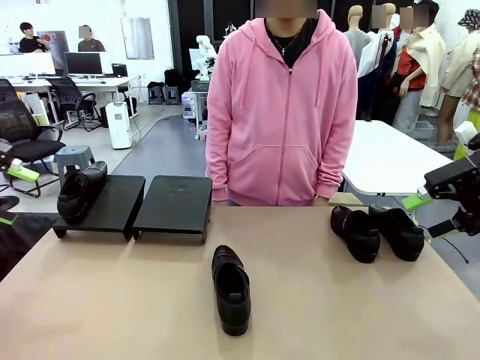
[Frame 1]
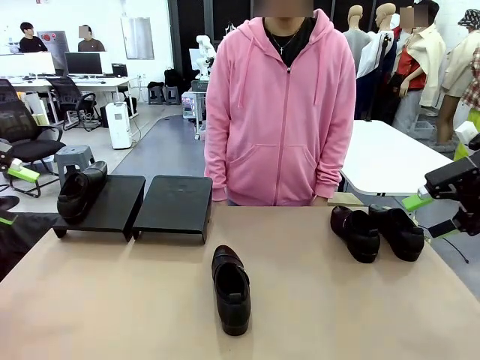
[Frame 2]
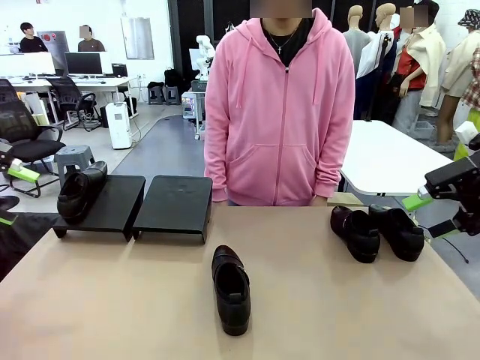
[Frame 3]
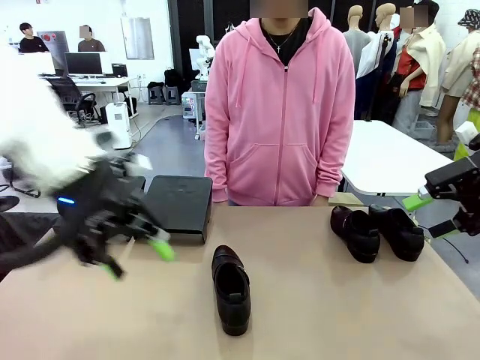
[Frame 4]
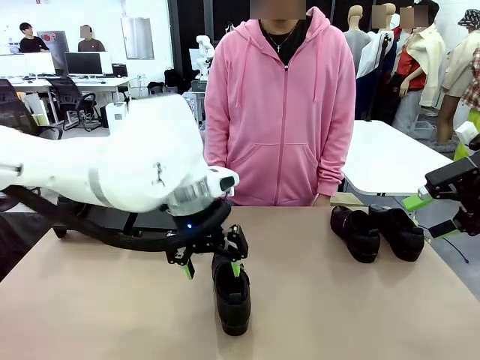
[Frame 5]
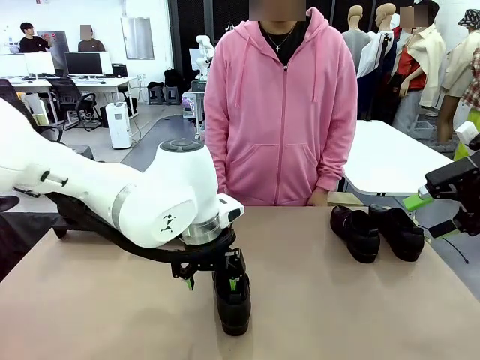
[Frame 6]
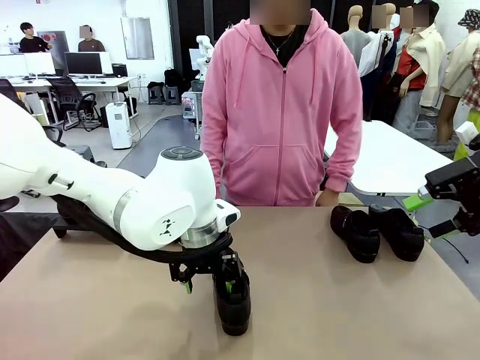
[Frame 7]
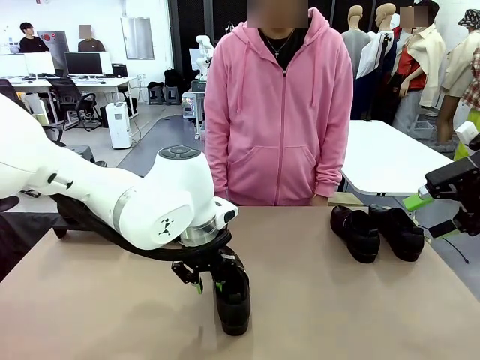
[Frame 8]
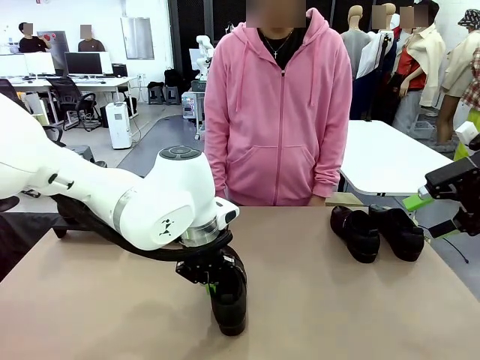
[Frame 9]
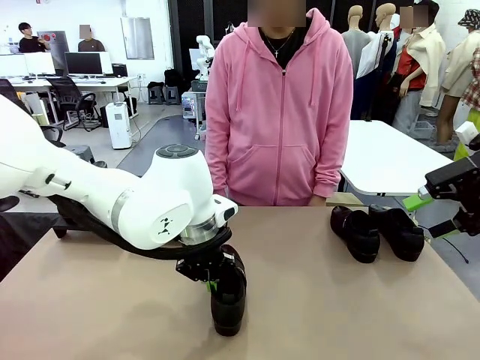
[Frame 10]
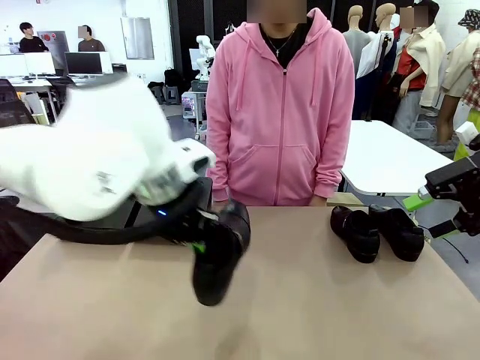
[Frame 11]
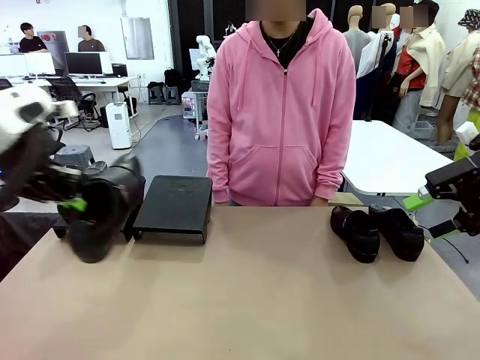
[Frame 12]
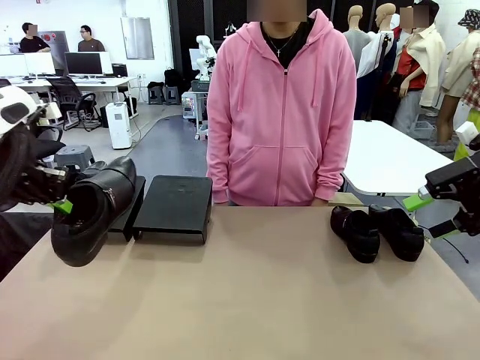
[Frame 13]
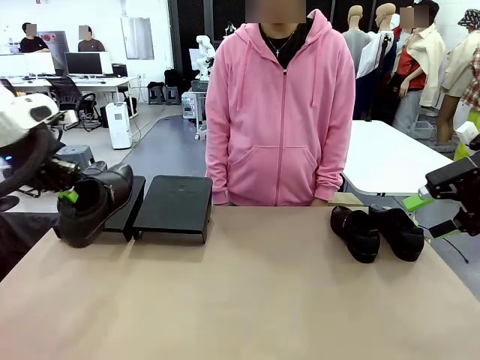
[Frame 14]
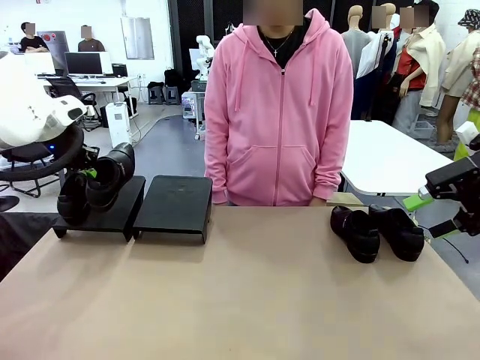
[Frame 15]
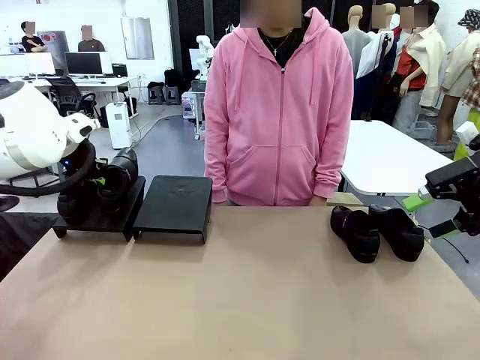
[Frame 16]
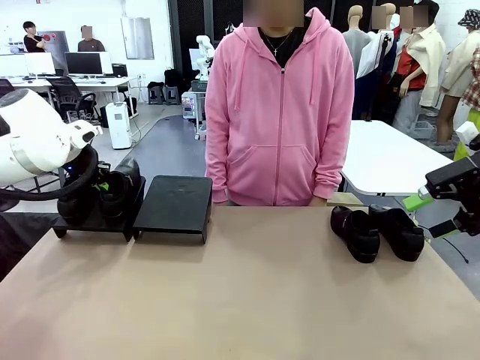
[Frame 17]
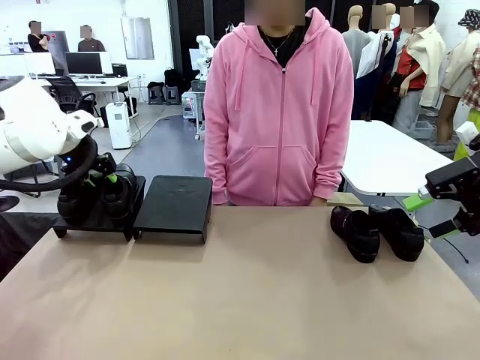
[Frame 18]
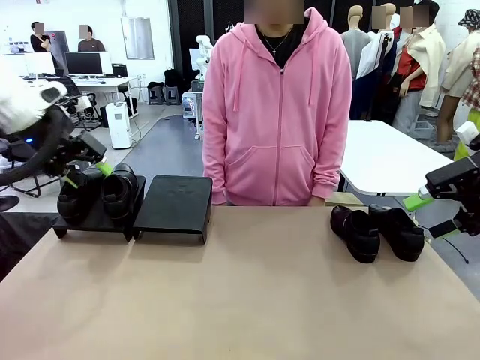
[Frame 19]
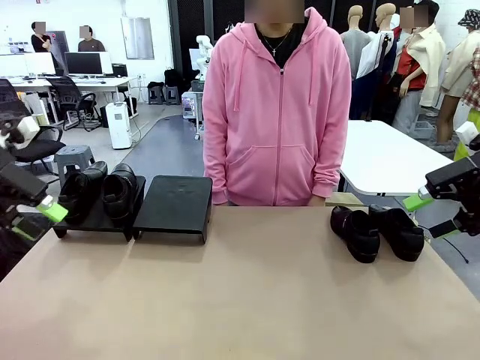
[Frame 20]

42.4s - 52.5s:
Task: Organize the shoes by placing them on the stand.
Robot: Place the Shoe from the middle of the table onto the Shoes Stand.

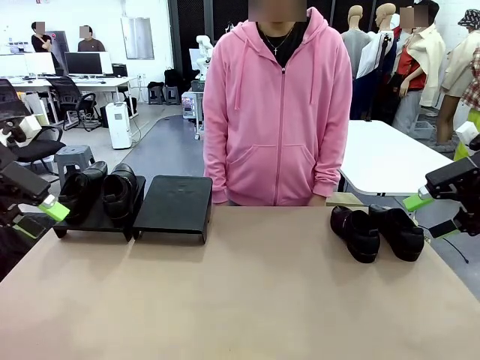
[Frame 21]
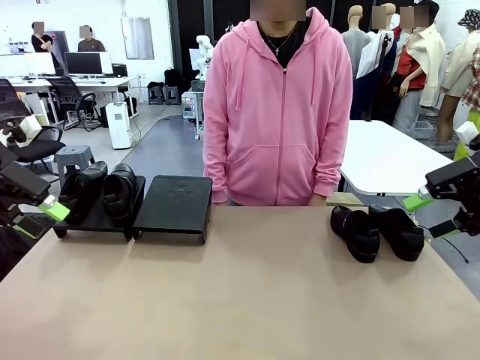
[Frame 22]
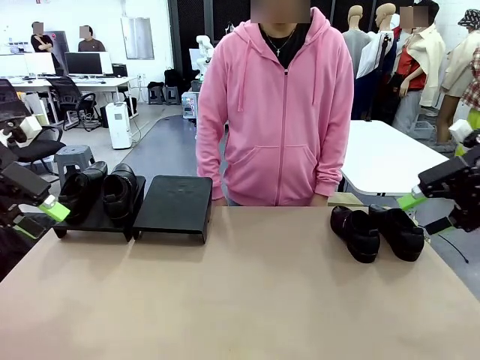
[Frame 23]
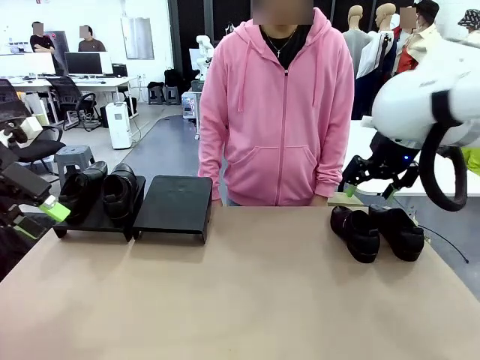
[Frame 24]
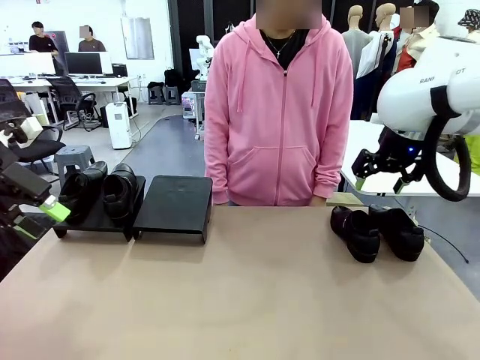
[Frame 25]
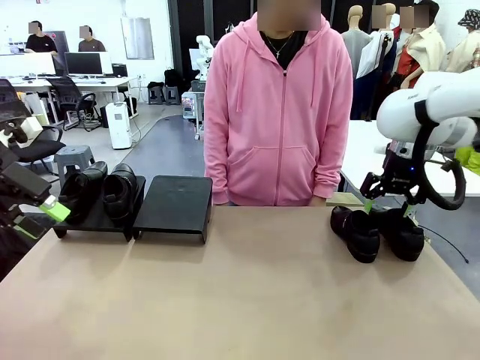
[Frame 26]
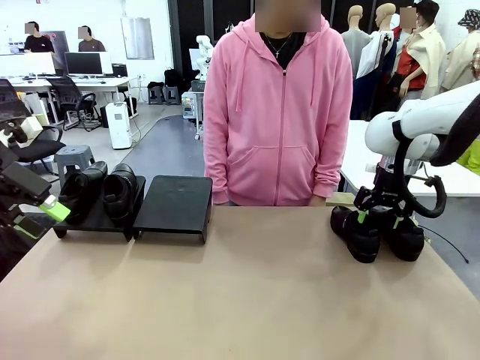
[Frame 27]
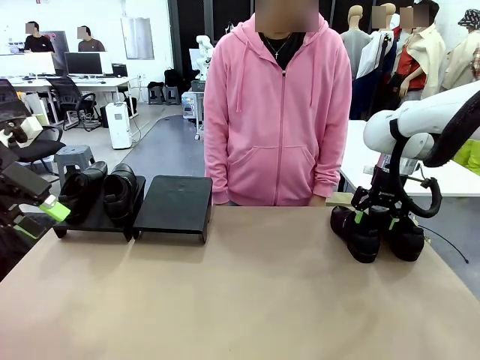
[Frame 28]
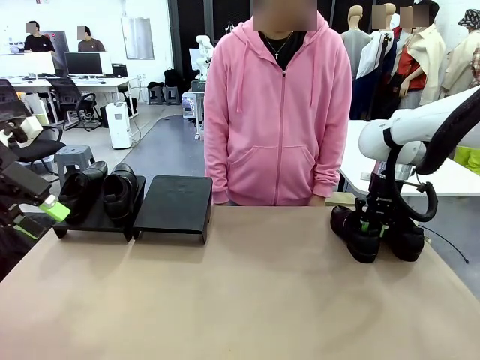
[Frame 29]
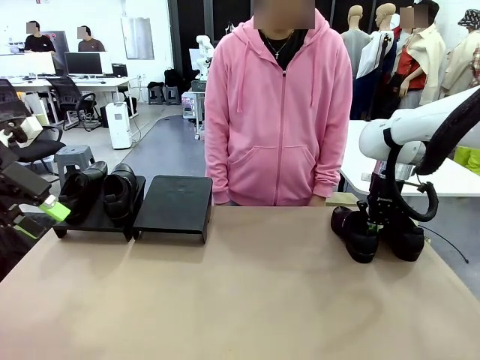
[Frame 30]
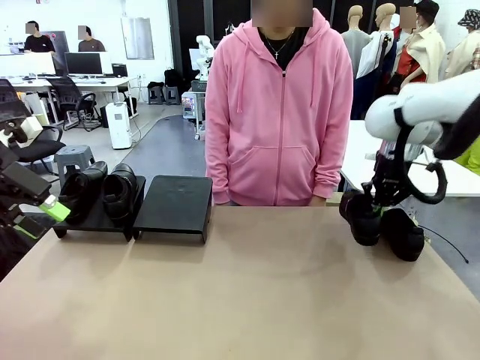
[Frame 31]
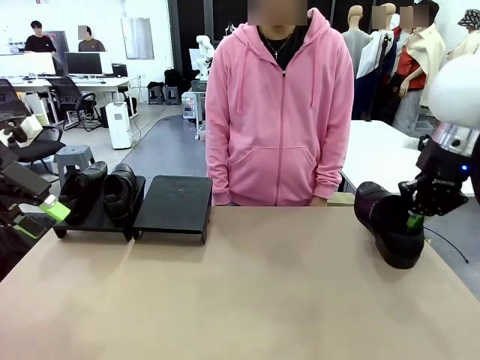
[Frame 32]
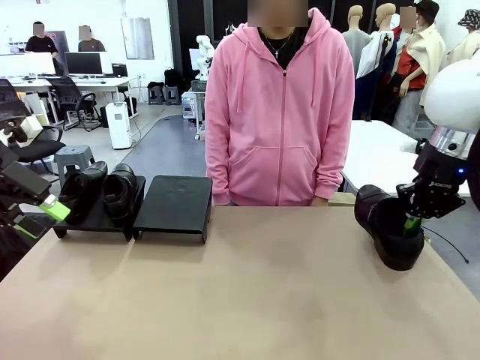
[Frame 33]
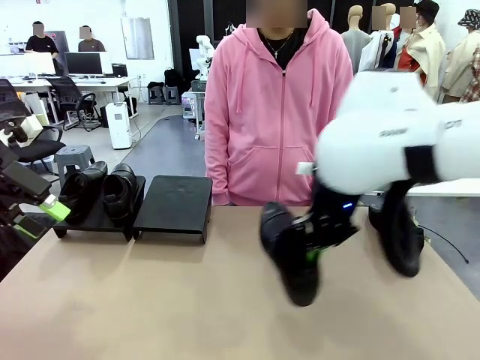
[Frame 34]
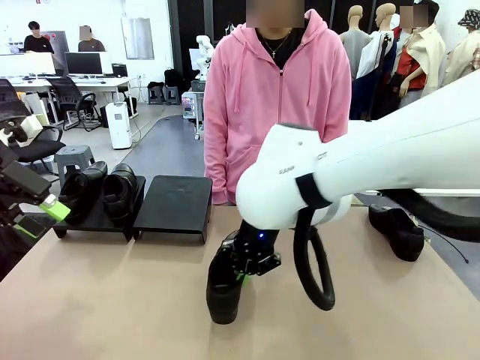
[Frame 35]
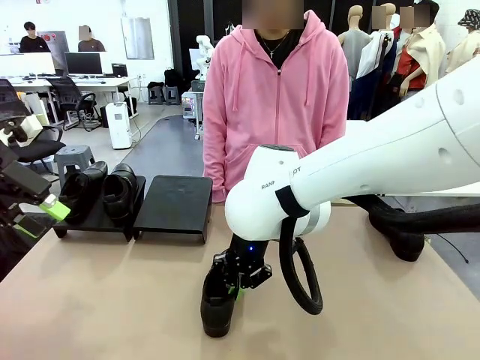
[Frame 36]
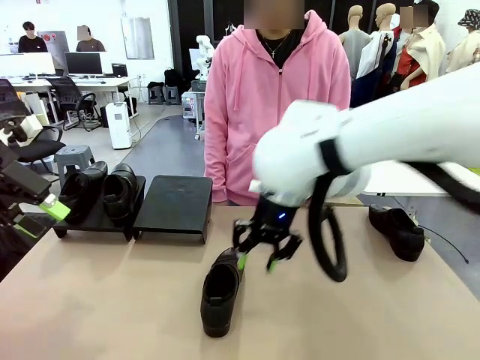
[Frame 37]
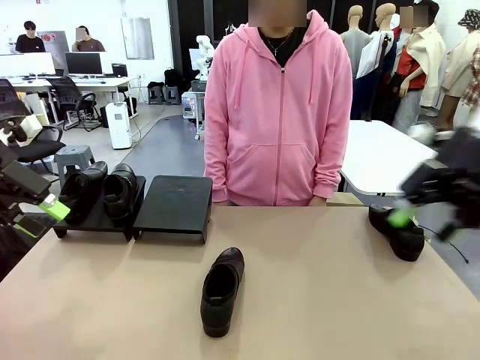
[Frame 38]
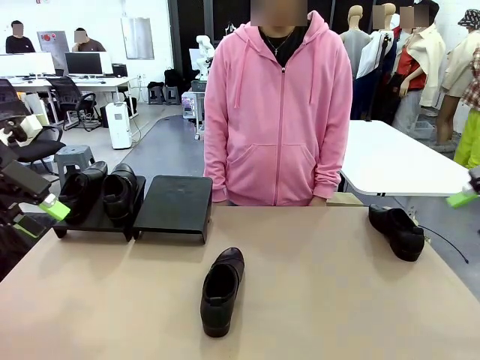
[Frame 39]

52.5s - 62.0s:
Robot: Pick up one Shoe and place it in the middle of the table.

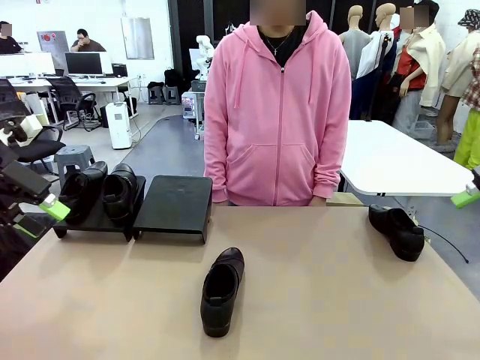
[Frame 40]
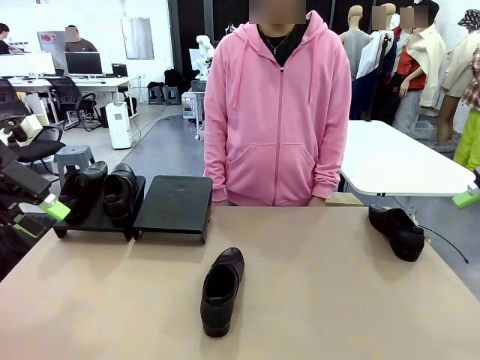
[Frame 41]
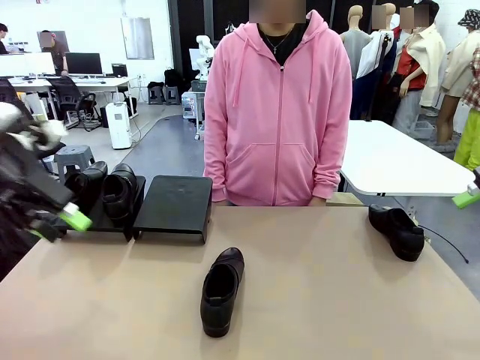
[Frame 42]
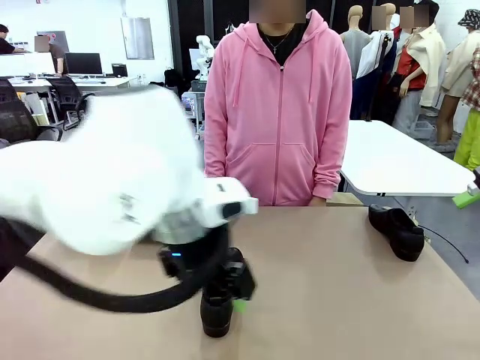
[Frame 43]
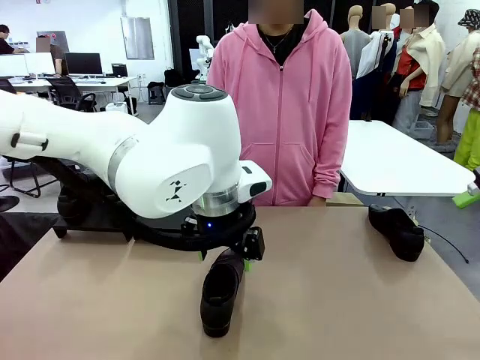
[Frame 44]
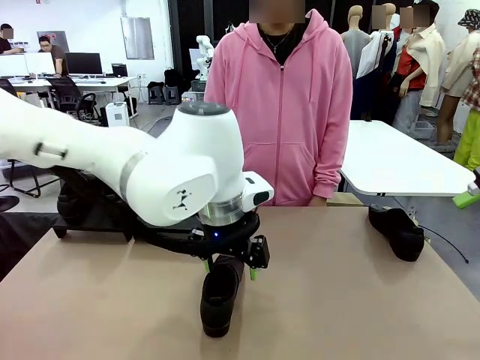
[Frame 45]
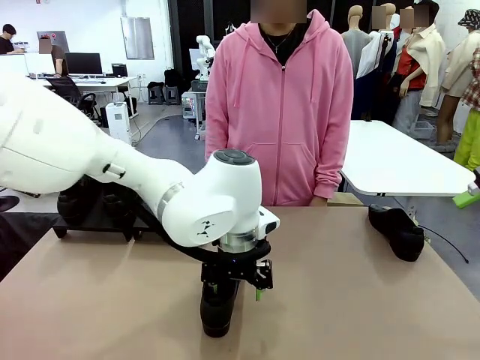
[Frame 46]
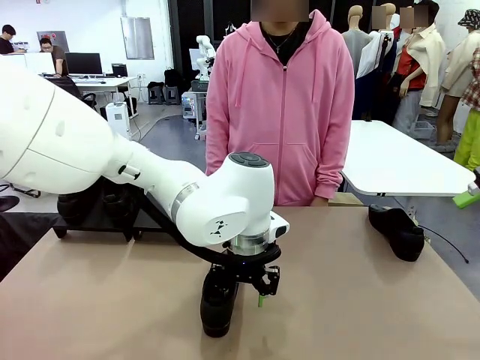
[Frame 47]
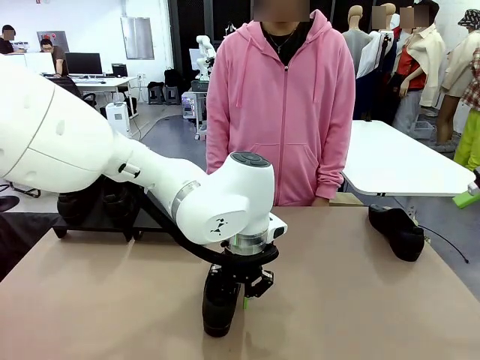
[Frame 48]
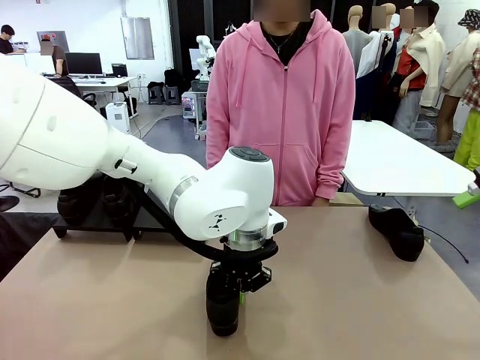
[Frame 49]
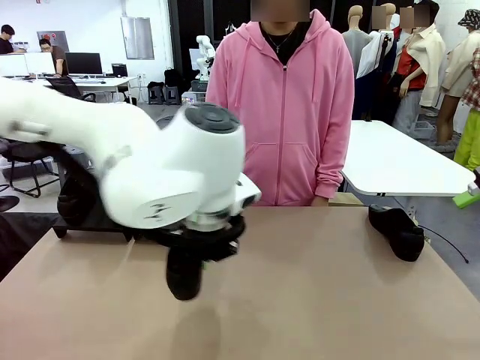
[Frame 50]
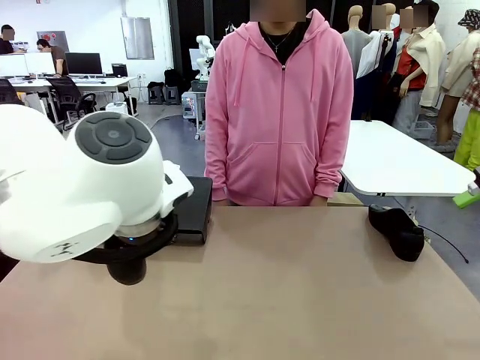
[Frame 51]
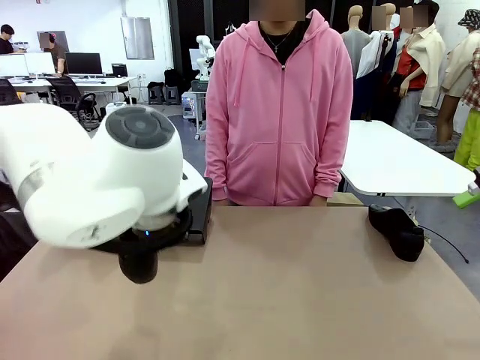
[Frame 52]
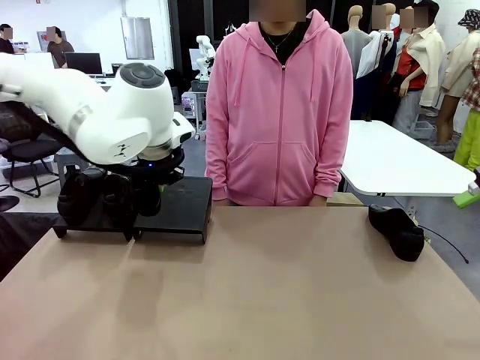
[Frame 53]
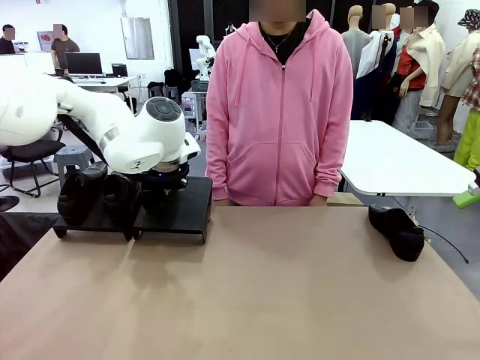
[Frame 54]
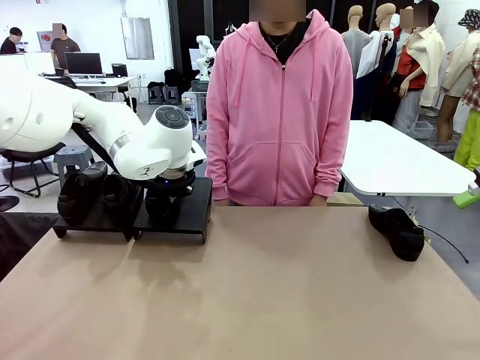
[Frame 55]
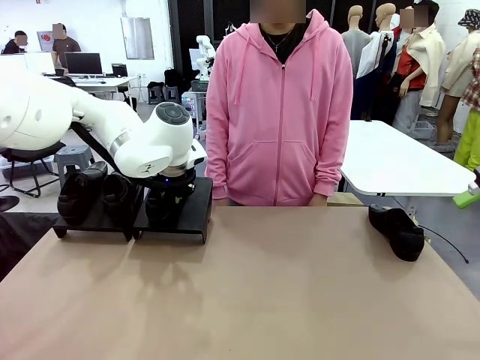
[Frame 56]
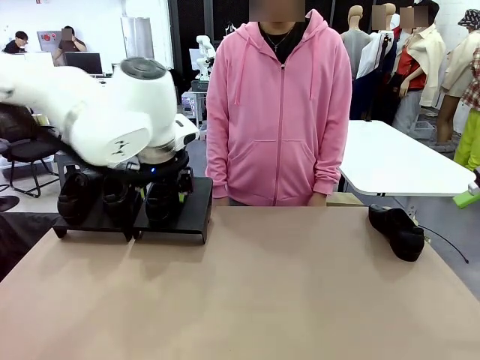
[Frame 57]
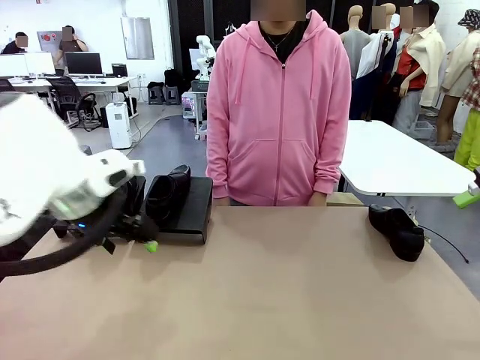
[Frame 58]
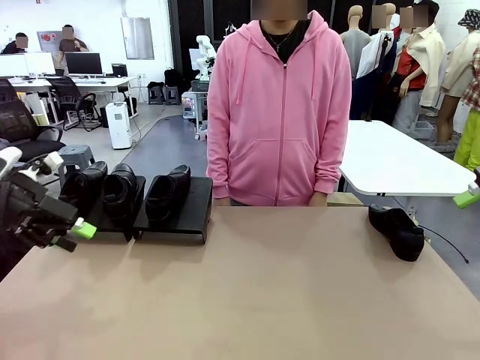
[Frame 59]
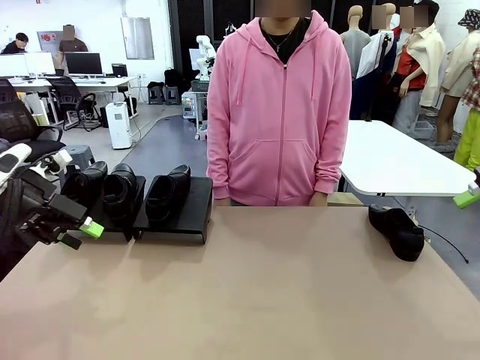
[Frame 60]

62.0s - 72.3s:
Robot: Place the Shoe from the middle of the table onto the Shoes Stand.
